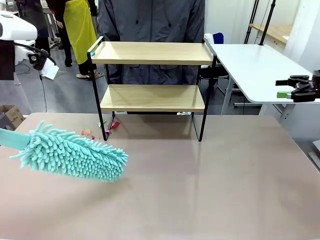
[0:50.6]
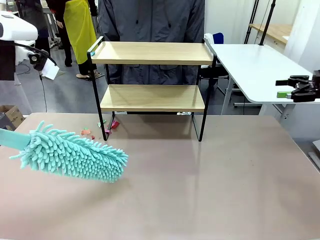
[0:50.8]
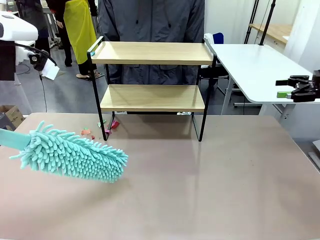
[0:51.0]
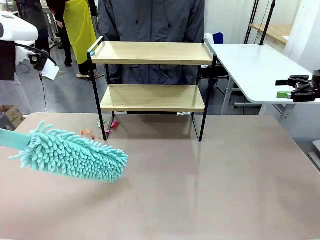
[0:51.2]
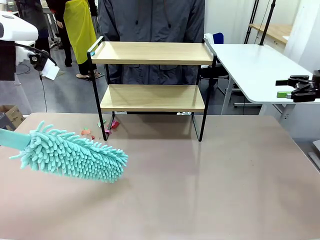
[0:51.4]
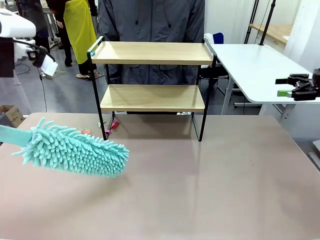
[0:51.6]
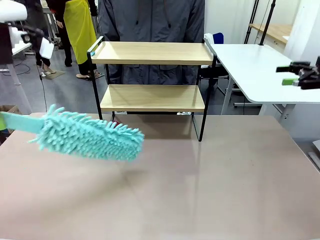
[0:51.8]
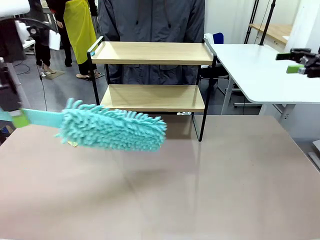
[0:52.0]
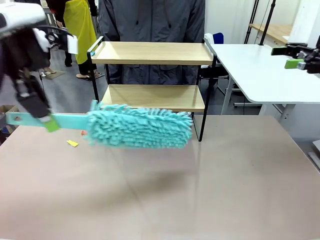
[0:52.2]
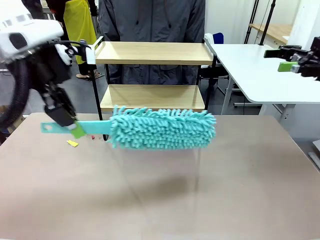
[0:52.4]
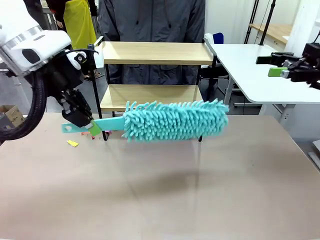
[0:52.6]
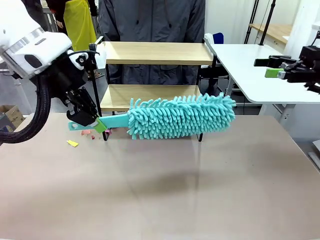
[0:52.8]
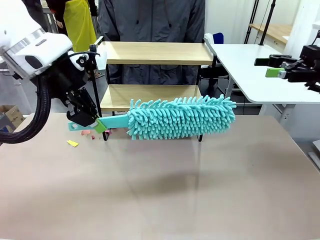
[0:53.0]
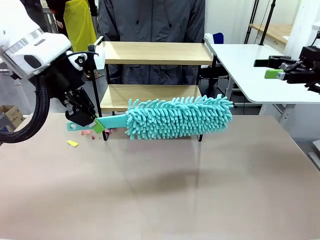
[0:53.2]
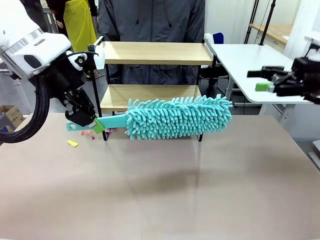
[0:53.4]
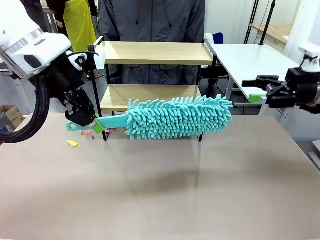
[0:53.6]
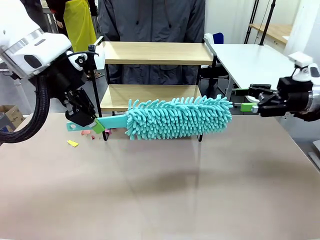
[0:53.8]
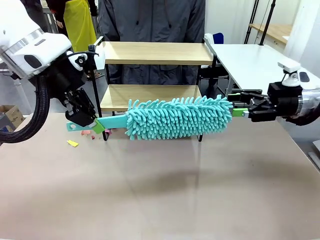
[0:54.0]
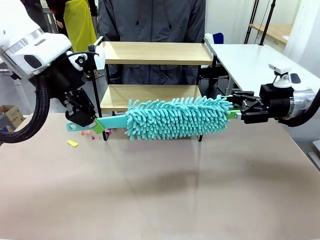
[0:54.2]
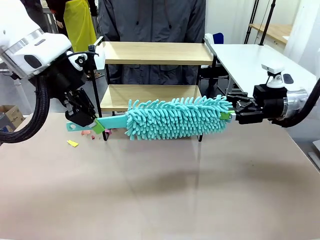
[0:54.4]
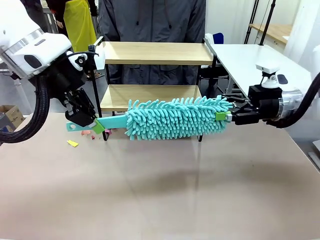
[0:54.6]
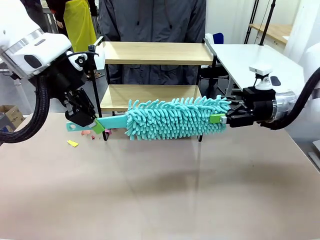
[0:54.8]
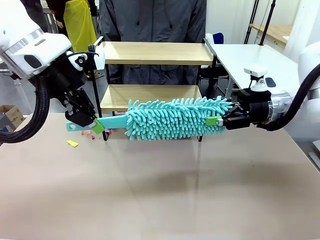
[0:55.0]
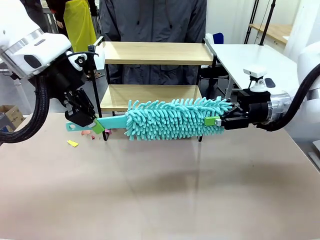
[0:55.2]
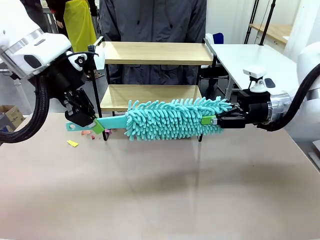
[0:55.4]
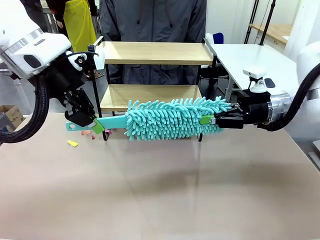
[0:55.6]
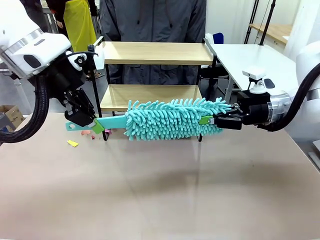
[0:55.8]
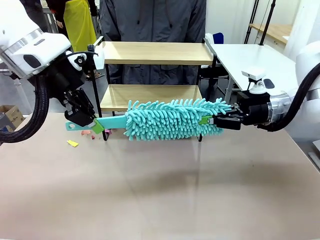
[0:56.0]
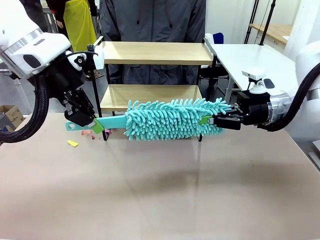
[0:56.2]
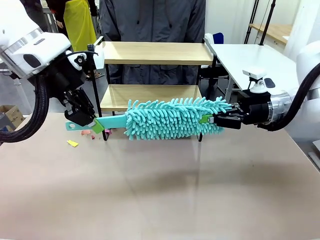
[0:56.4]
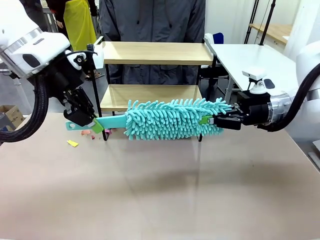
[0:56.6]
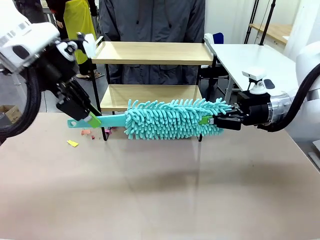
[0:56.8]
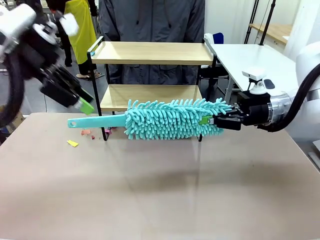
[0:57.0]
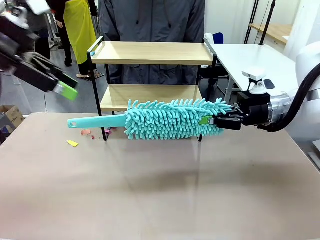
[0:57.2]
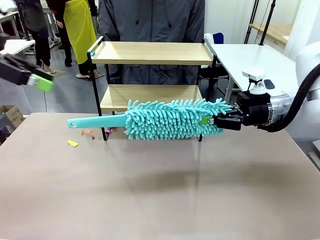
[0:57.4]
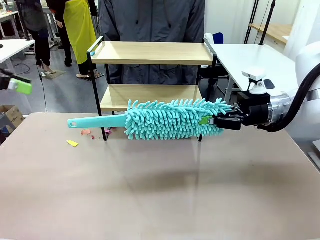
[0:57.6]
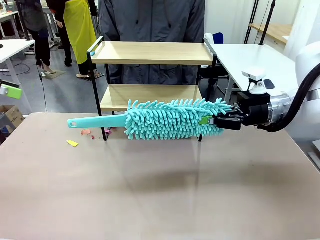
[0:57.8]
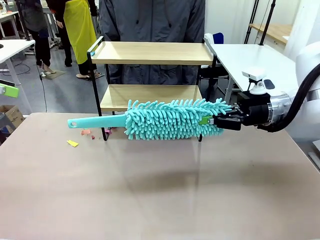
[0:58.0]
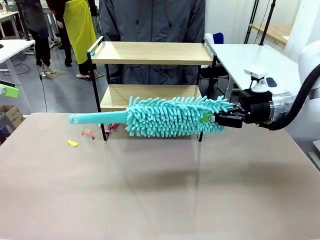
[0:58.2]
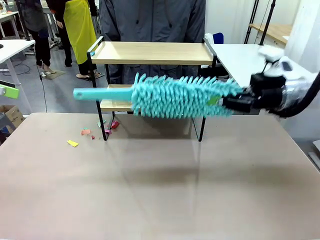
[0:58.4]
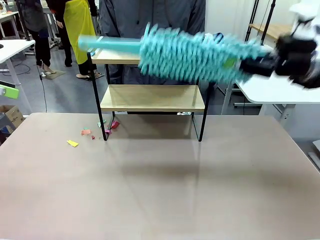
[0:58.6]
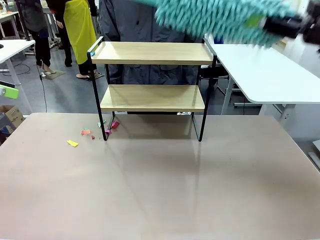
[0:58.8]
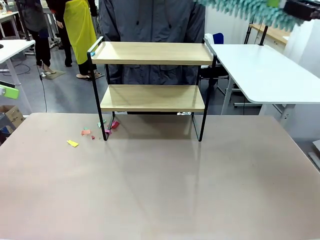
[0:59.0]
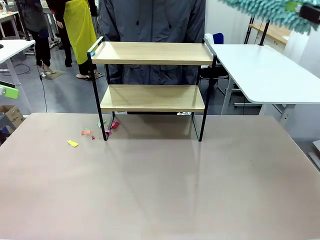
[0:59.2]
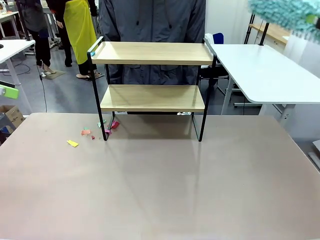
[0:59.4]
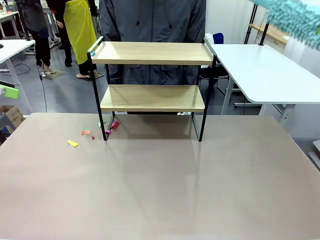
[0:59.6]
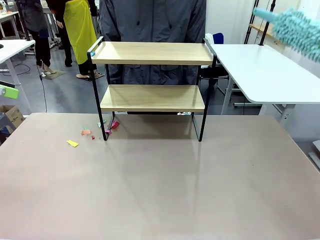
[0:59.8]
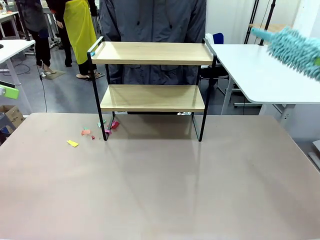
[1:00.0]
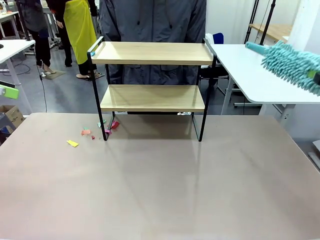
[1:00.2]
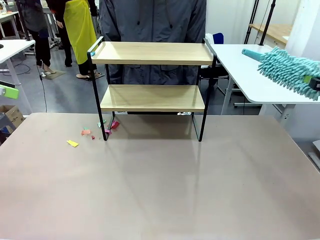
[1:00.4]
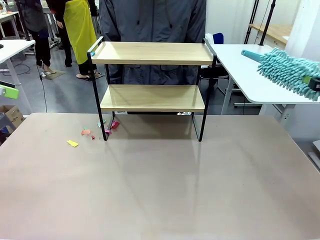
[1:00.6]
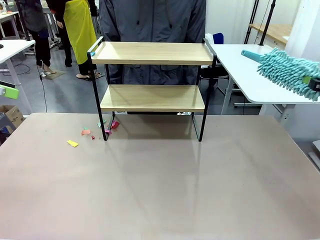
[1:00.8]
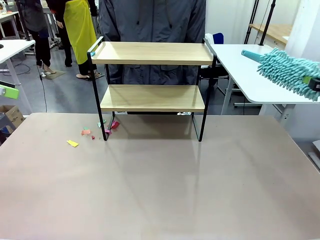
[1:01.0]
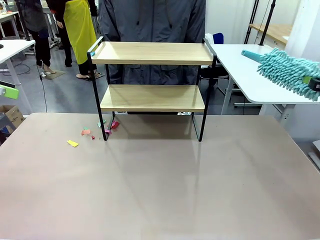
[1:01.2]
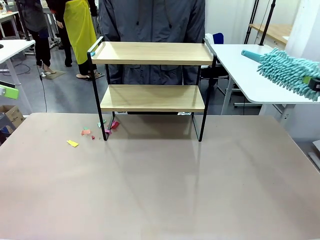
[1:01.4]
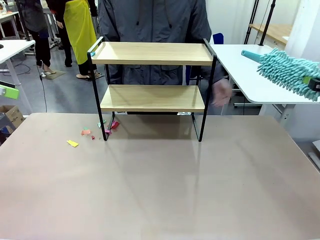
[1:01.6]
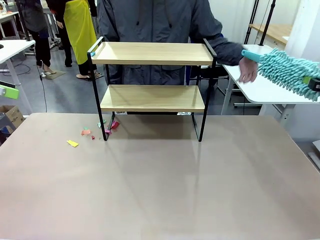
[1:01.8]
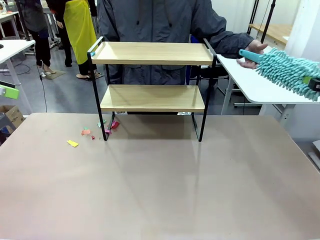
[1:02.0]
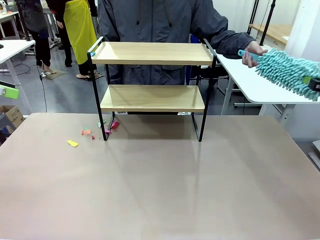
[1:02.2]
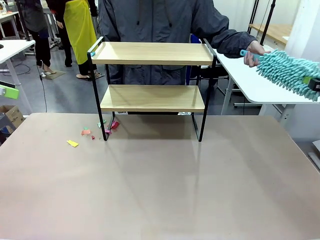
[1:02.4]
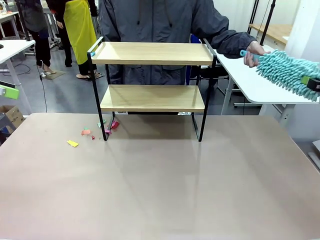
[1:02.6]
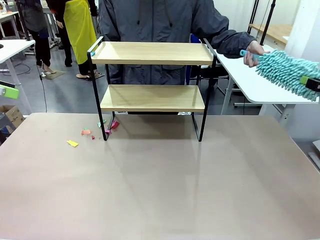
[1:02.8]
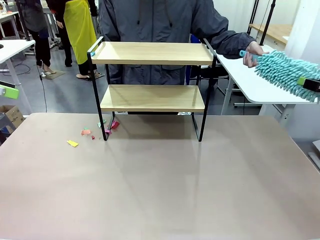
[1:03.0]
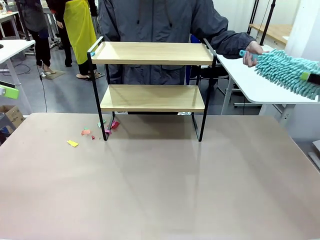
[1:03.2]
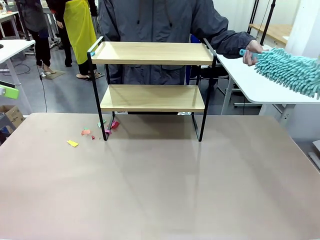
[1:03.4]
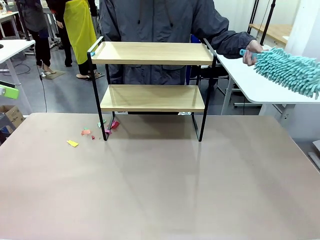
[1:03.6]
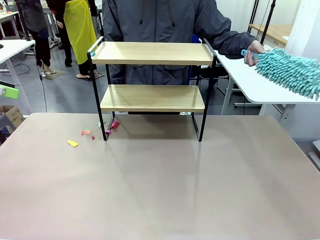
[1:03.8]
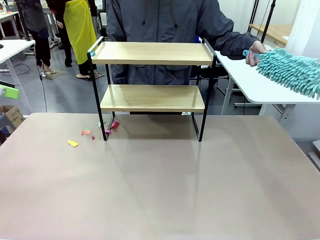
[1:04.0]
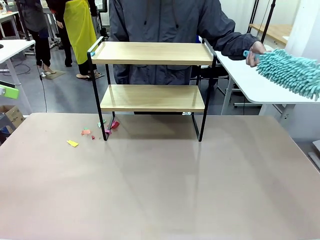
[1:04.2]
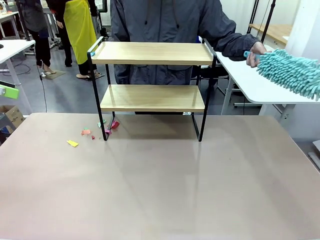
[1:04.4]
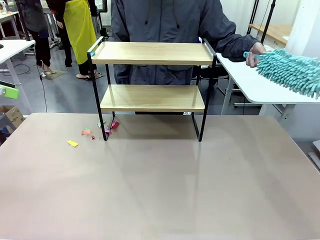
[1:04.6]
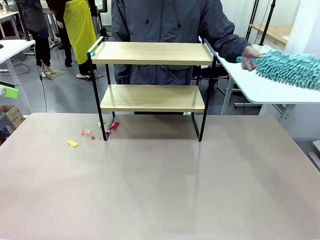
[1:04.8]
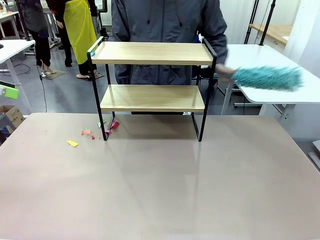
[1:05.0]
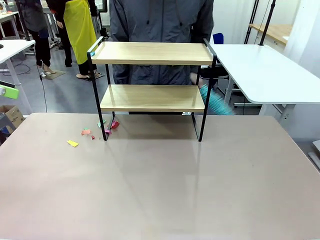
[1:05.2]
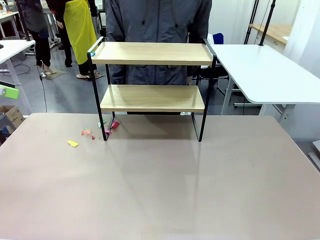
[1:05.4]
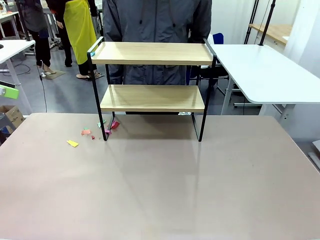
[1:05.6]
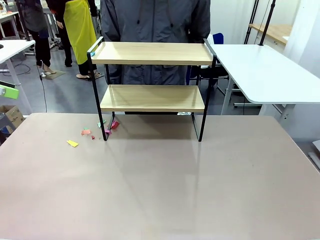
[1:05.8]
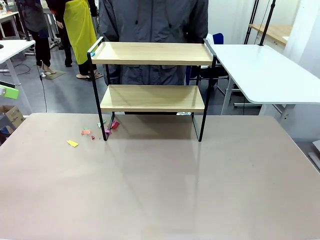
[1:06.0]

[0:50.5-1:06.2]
Task: Clean the shelf.
Robot: Hand the Duster back to the human.
Person: Receive the Duster from the robot.

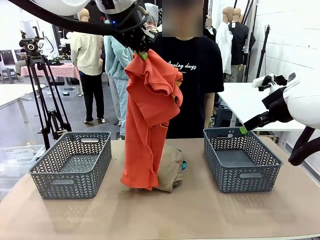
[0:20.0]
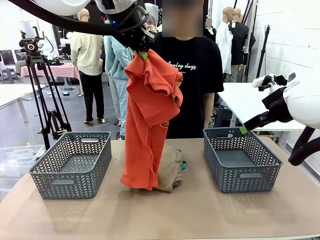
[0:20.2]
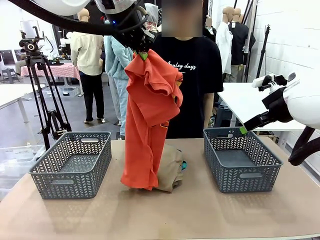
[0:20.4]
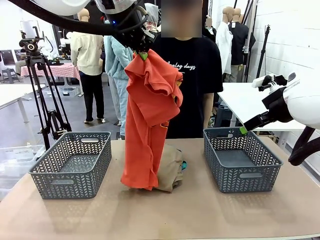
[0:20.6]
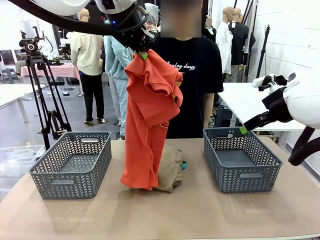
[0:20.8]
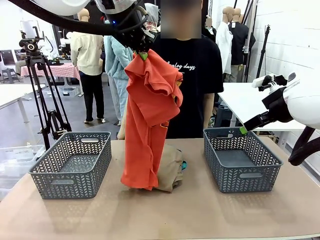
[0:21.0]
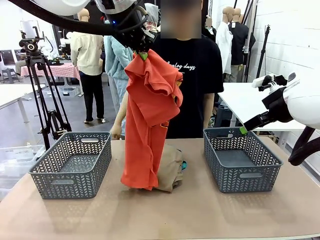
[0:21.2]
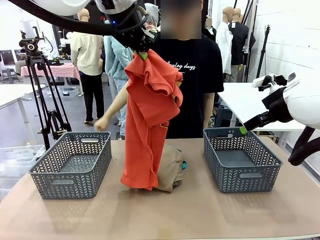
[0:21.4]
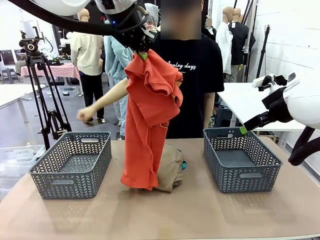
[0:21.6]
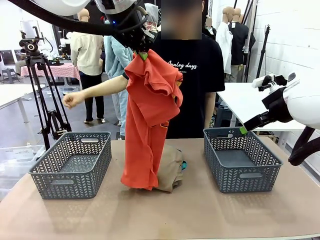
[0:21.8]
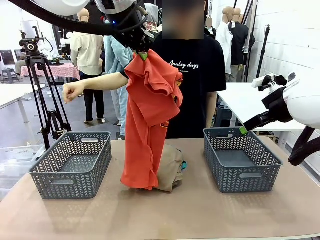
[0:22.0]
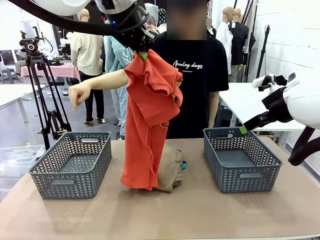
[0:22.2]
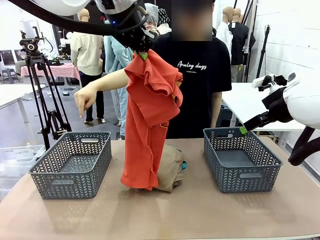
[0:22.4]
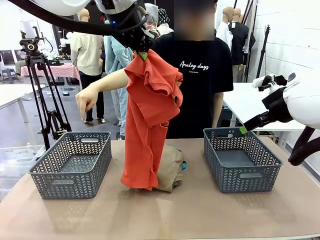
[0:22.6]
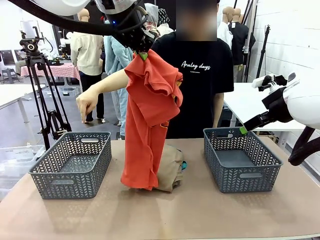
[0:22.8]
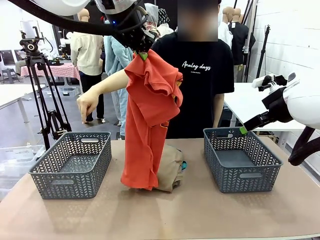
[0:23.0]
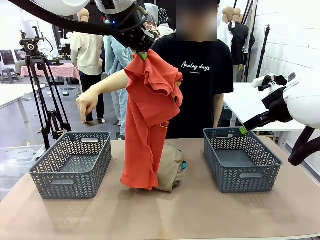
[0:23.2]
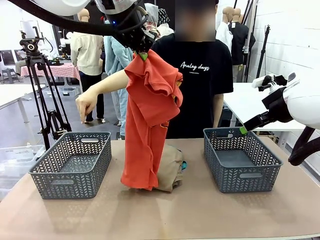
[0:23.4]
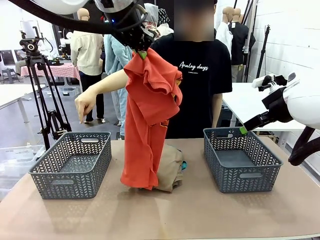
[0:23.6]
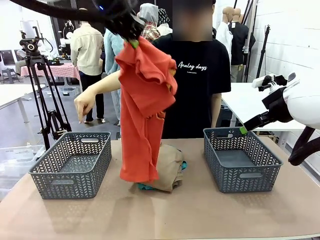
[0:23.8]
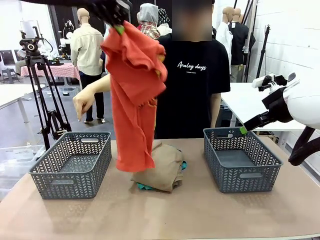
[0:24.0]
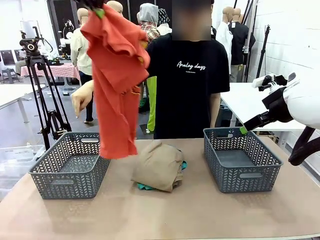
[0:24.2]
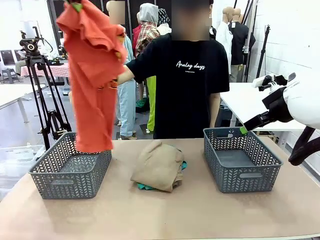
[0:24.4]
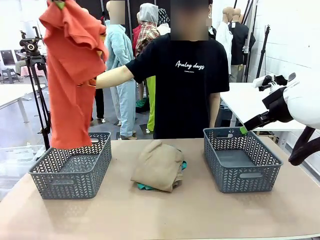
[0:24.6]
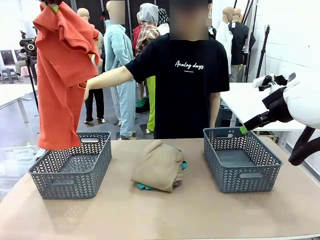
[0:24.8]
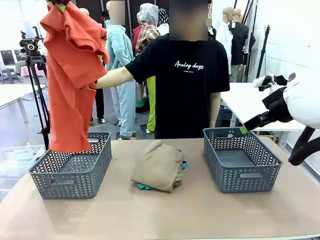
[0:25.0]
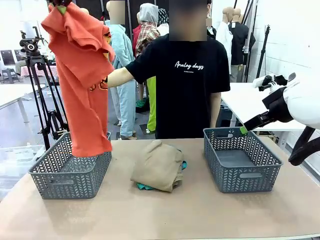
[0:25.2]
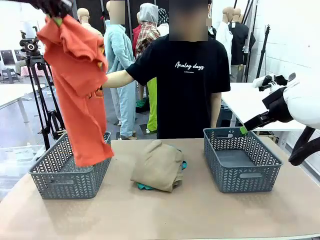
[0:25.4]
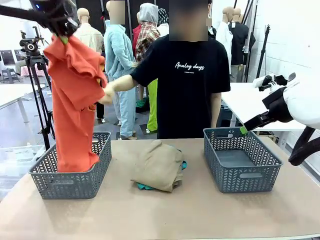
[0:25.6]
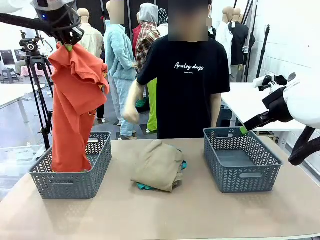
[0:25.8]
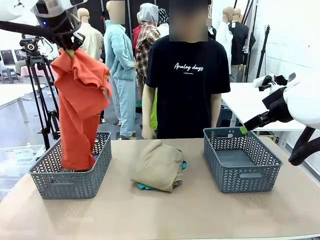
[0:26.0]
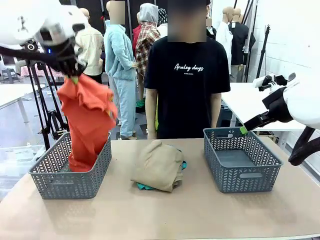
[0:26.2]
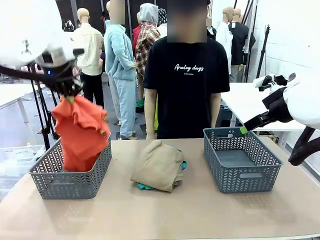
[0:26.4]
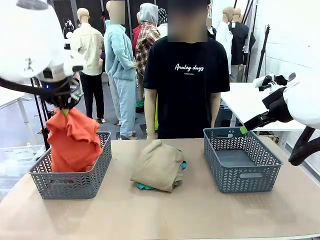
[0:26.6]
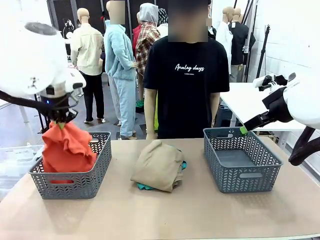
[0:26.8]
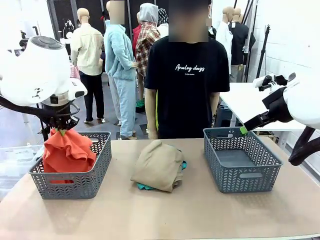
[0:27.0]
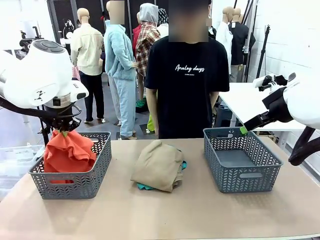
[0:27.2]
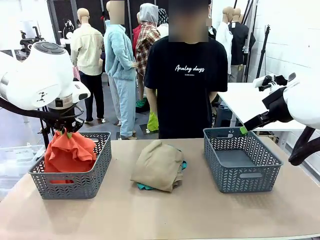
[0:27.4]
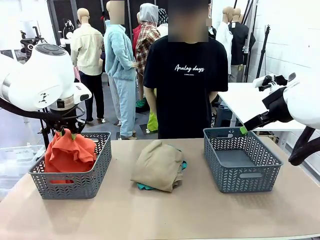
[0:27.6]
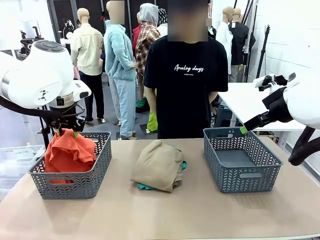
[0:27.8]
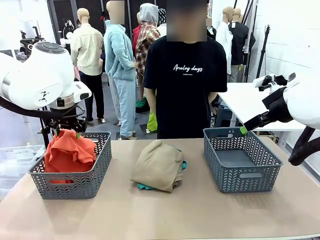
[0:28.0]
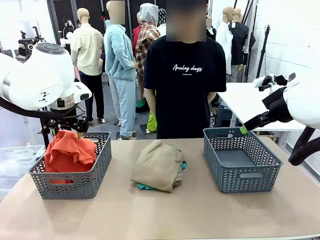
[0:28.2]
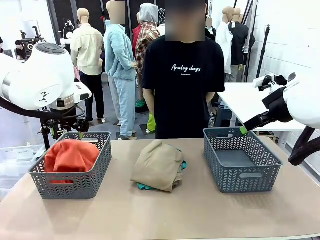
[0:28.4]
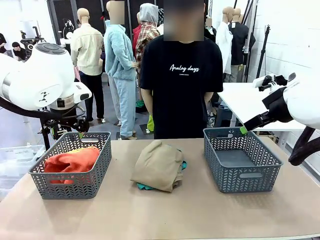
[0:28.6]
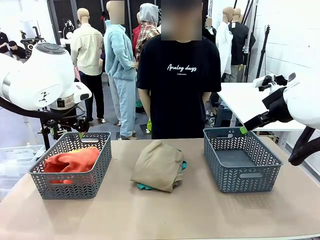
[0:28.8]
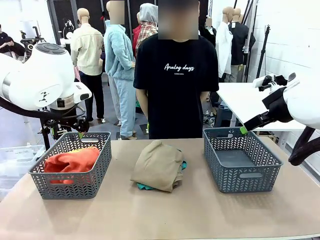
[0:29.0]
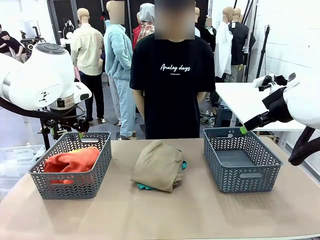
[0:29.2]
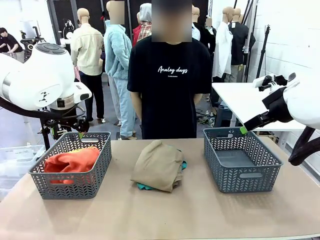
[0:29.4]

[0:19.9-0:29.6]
Task: Sort the tops and bottoms.
Robot: Sort the clothes according to human instructions.
